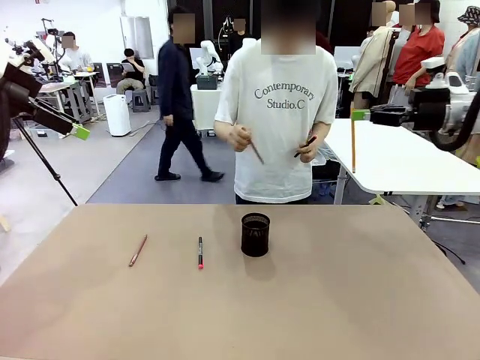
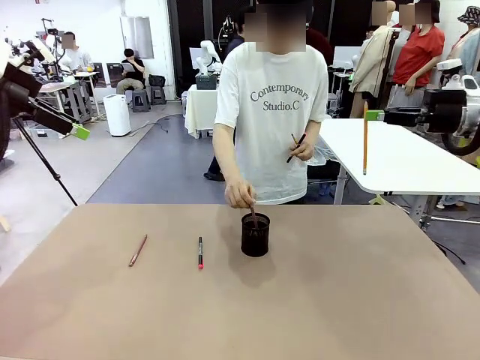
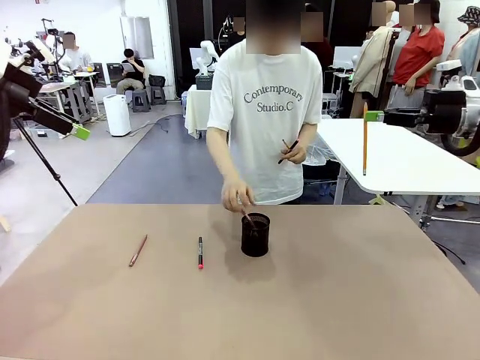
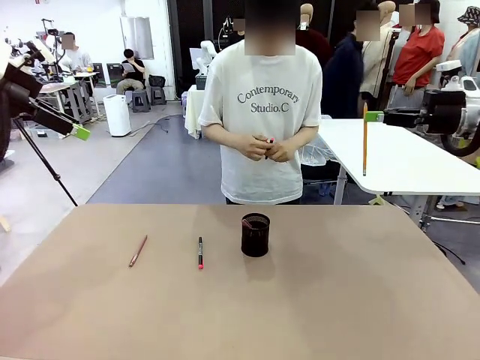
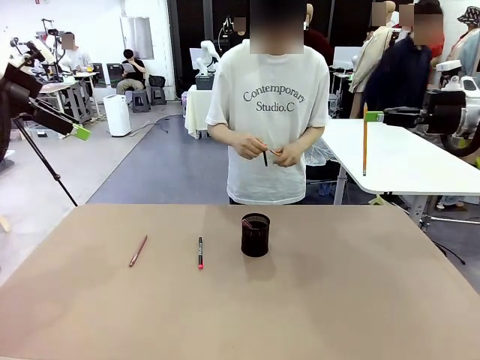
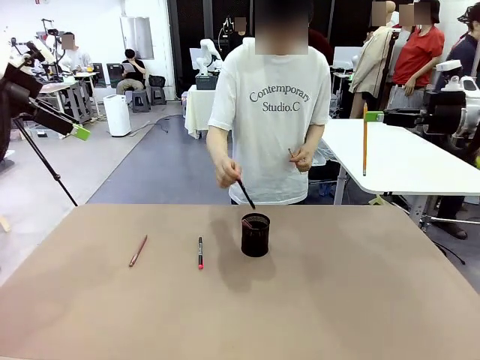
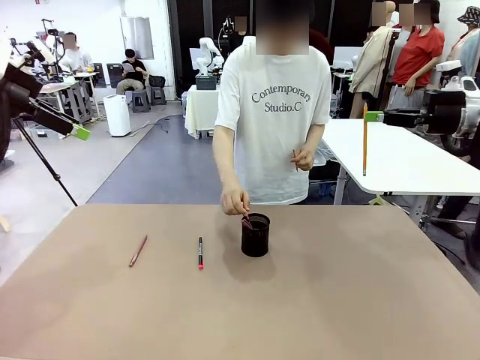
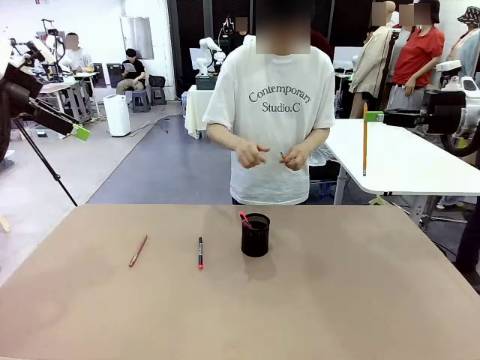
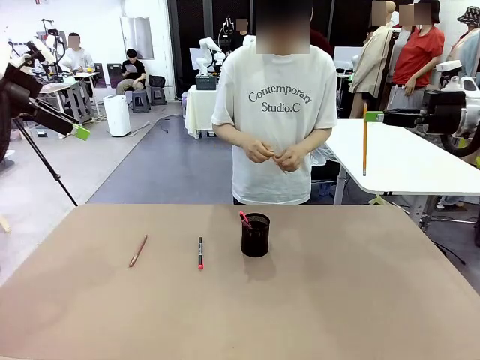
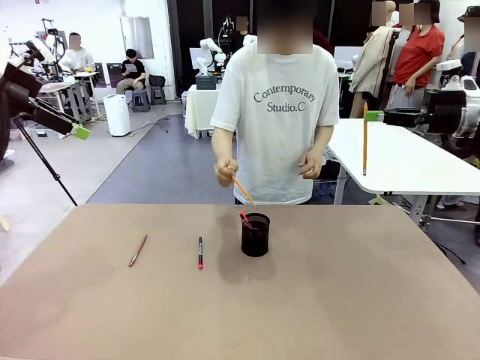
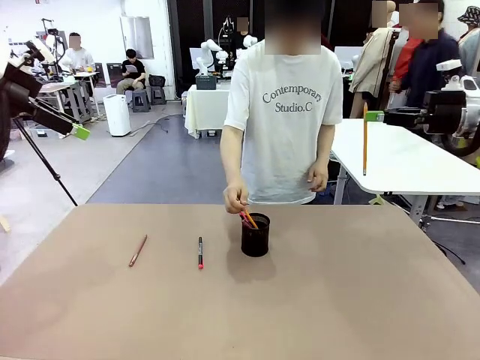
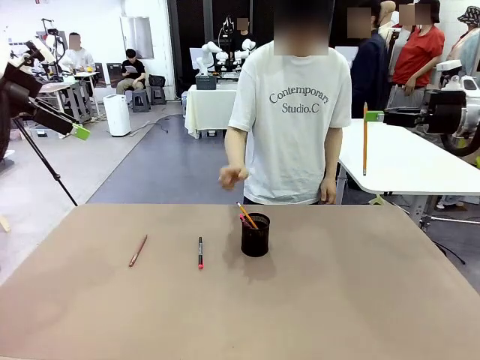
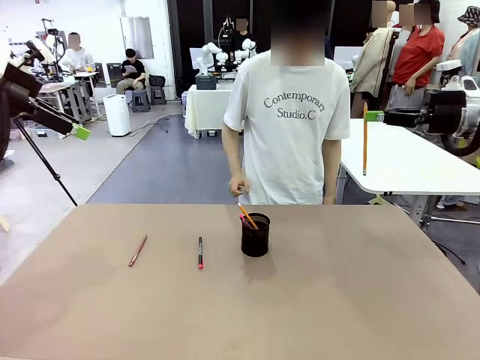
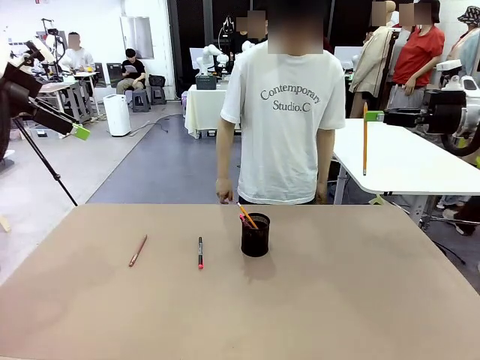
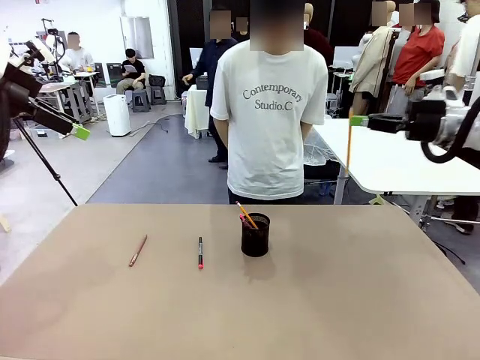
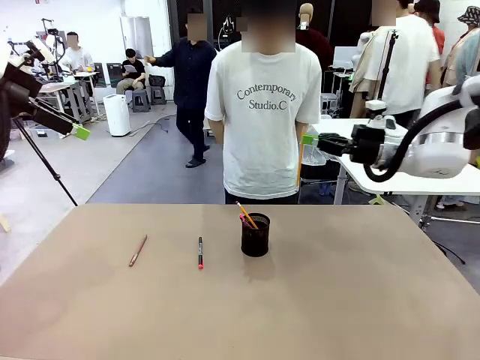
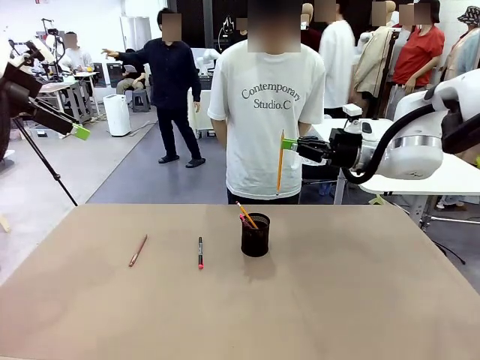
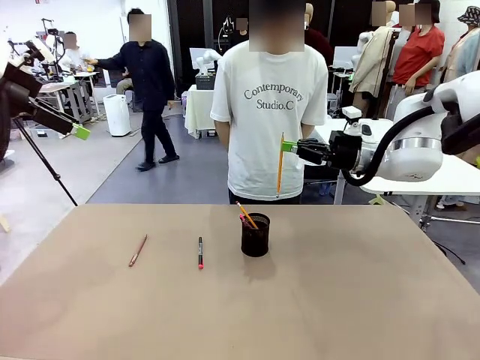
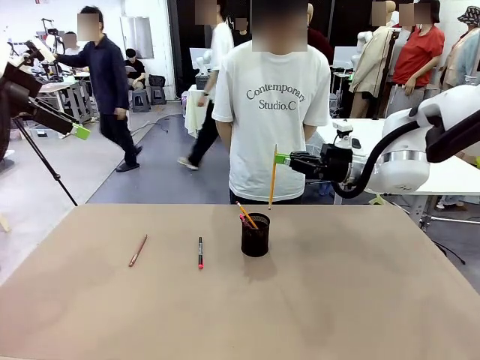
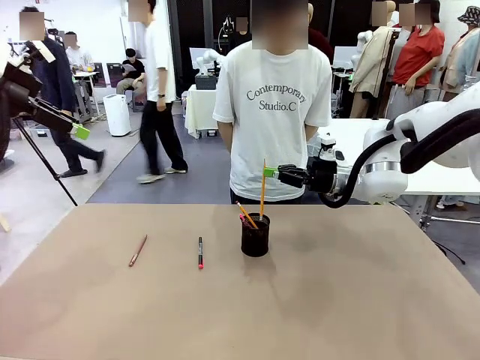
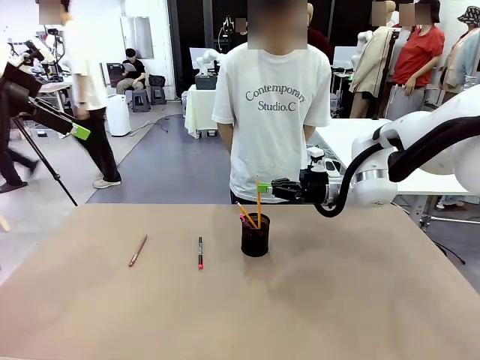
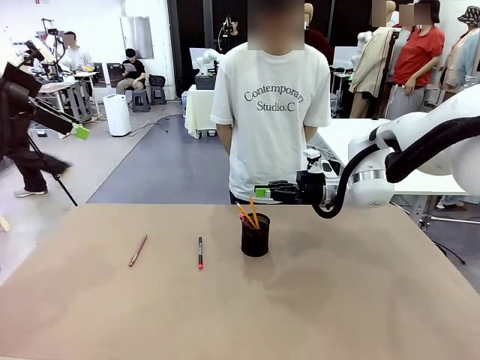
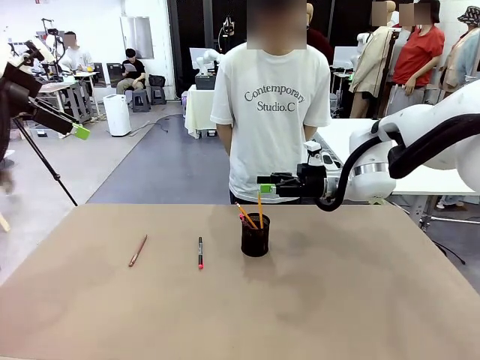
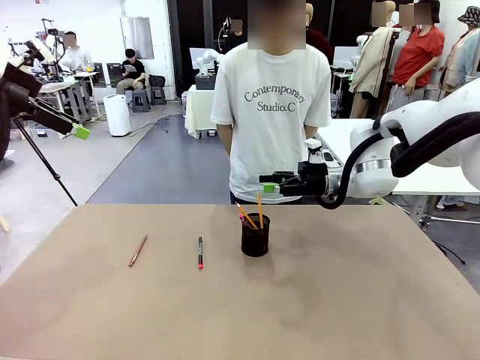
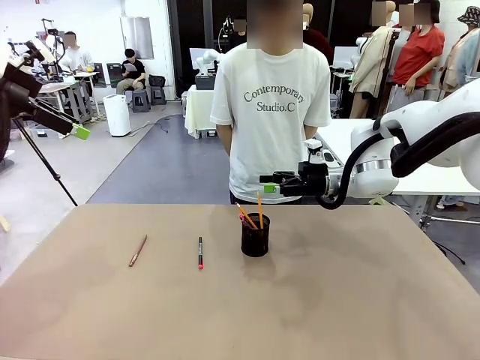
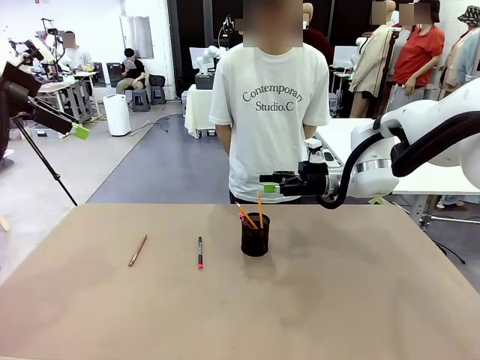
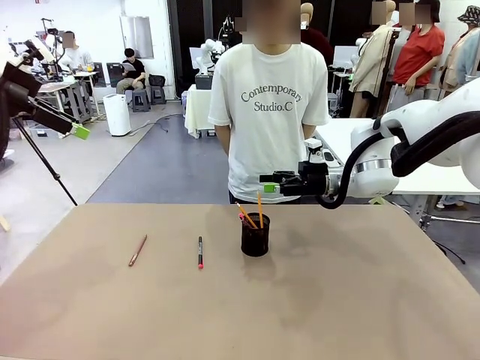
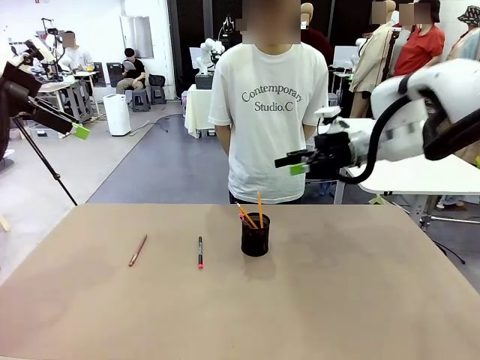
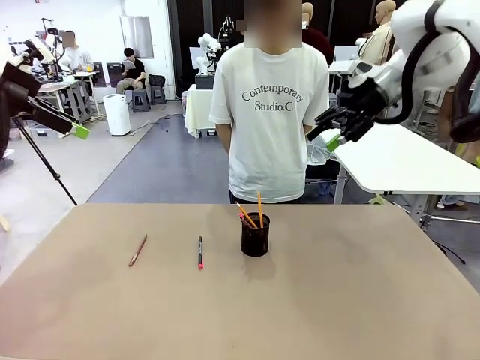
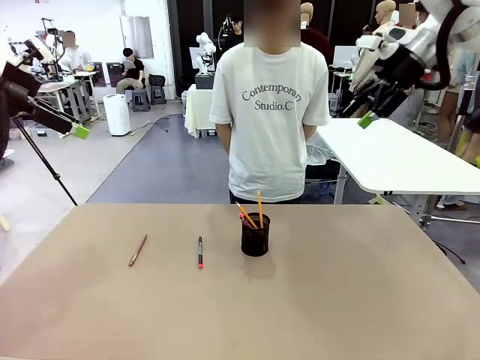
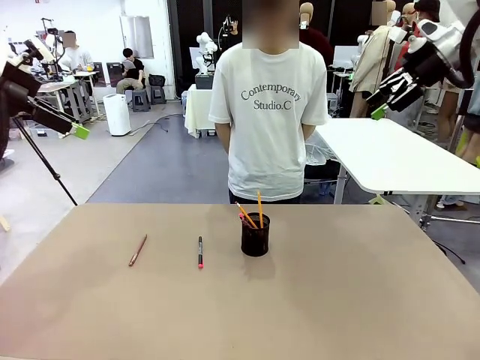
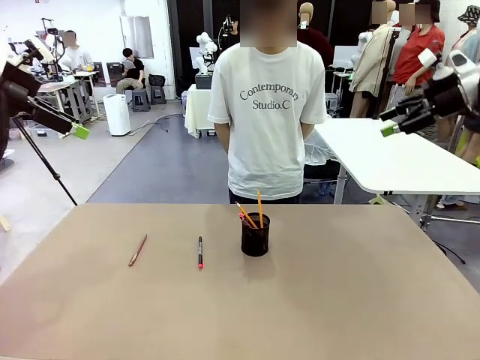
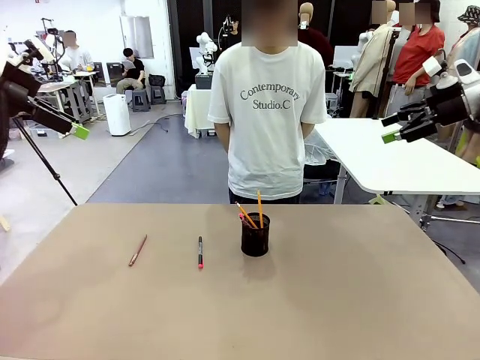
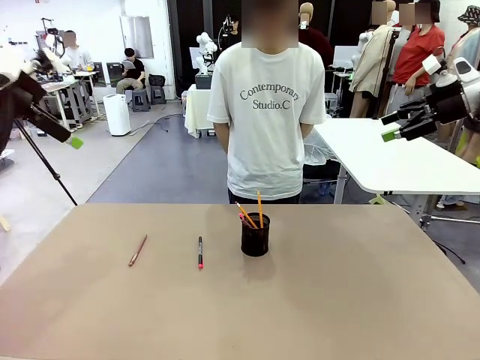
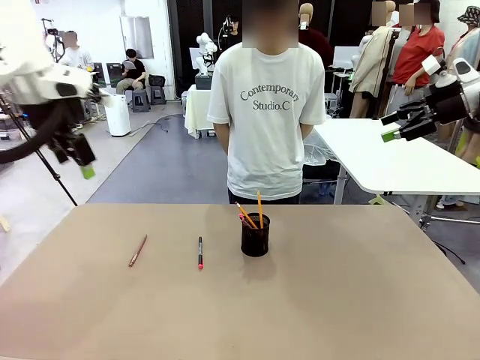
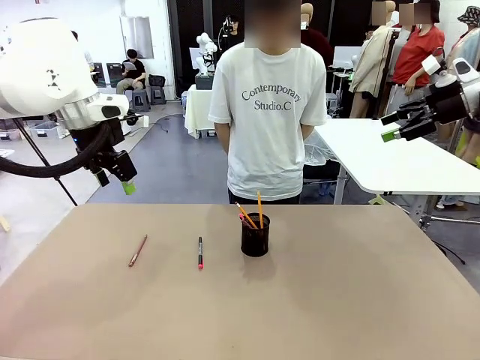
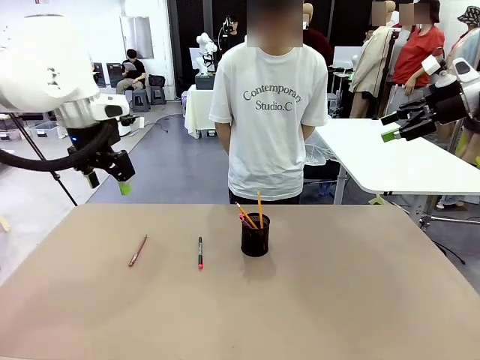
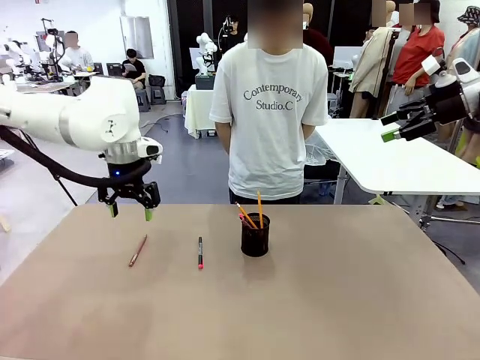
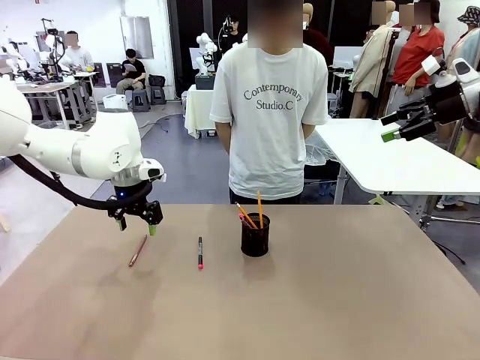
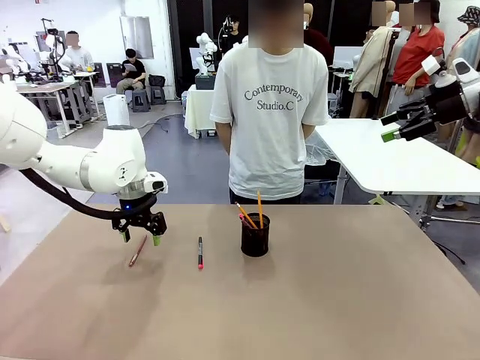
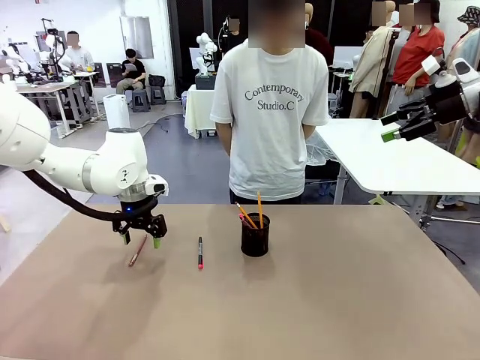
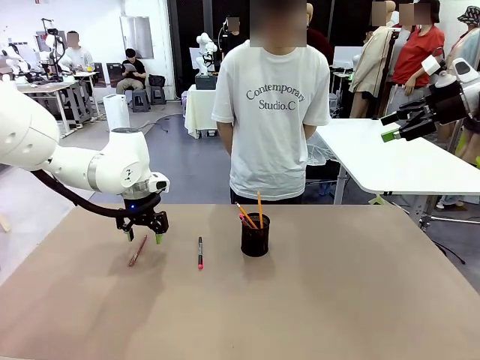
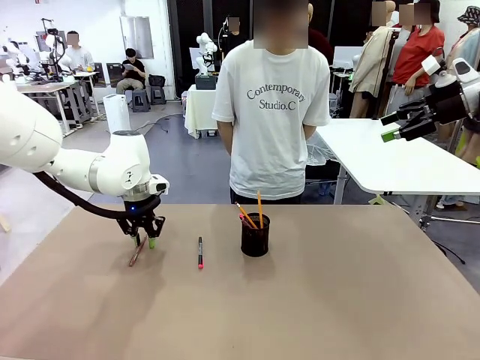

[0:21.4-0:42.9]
Task: Place the pens into the pen holder.
Robot: Pick up a writing instrument from the table and place it into the Pen holder.

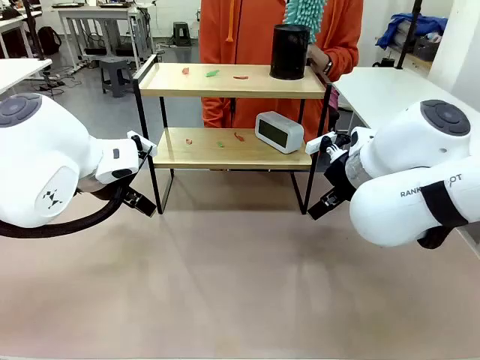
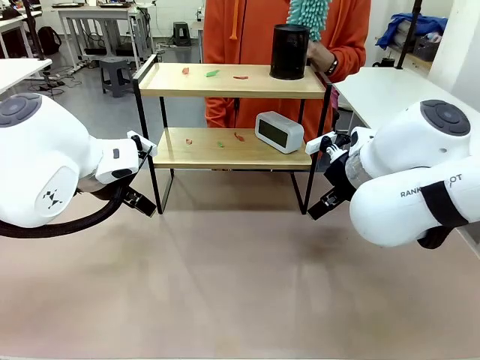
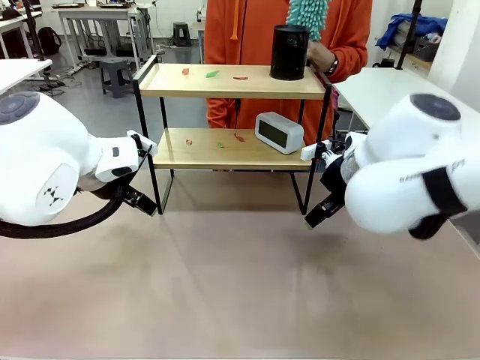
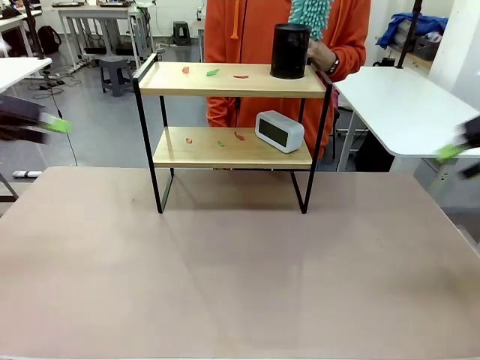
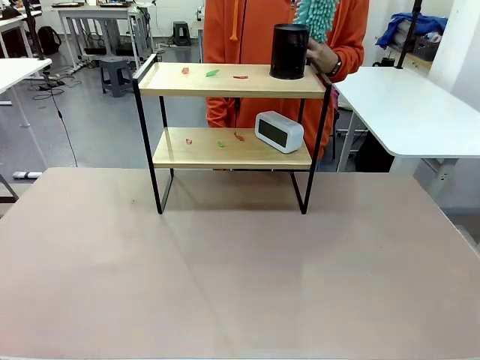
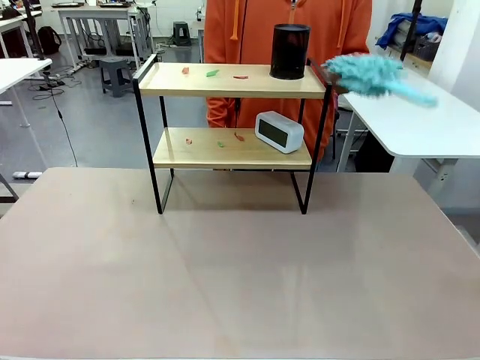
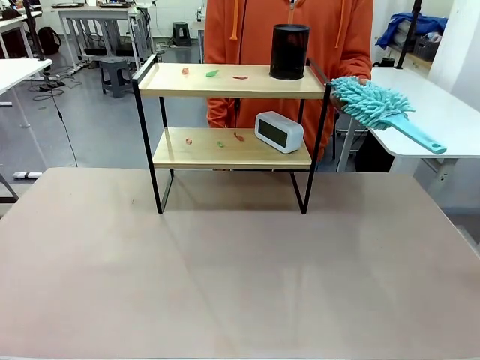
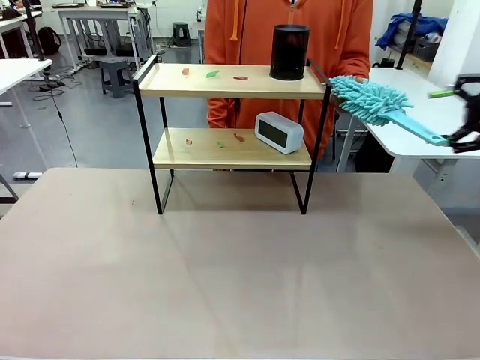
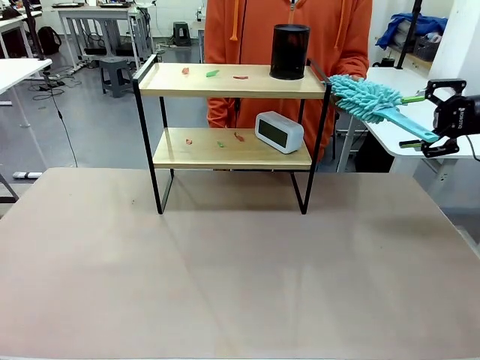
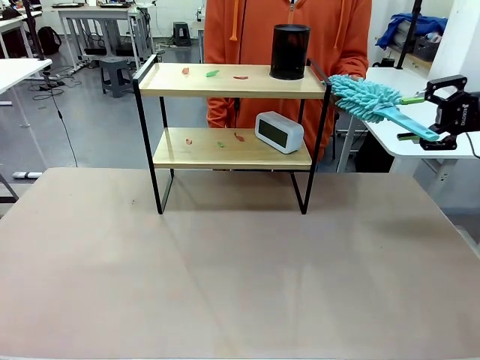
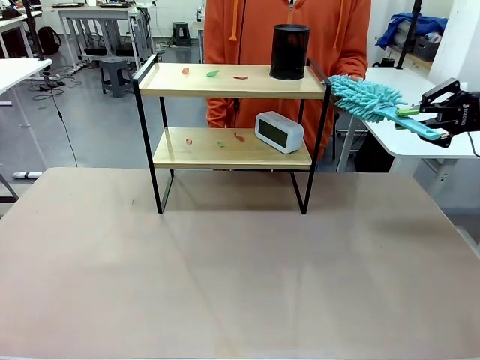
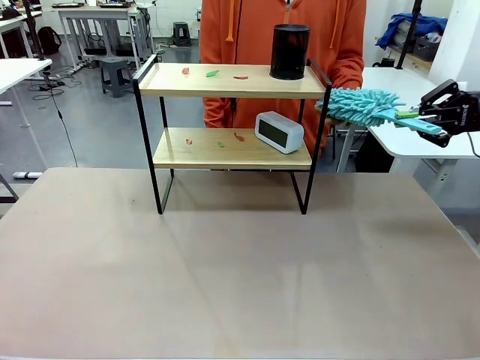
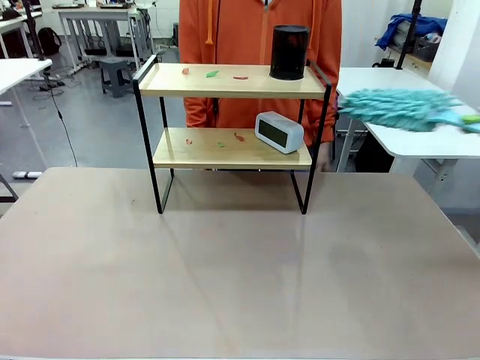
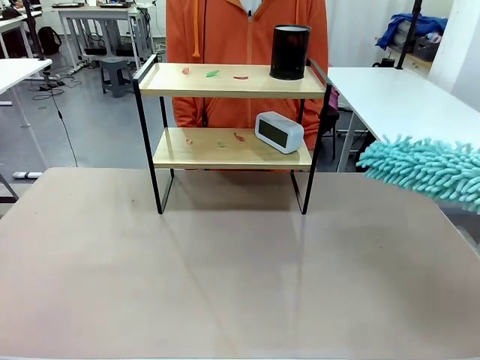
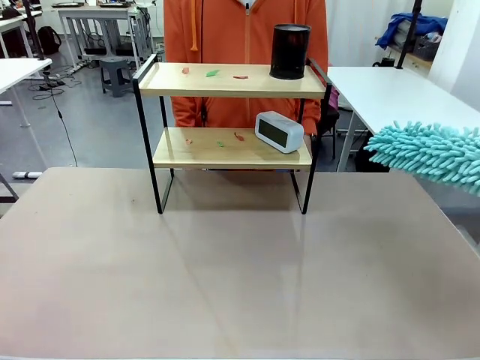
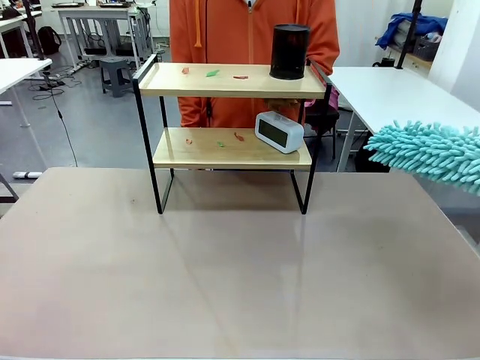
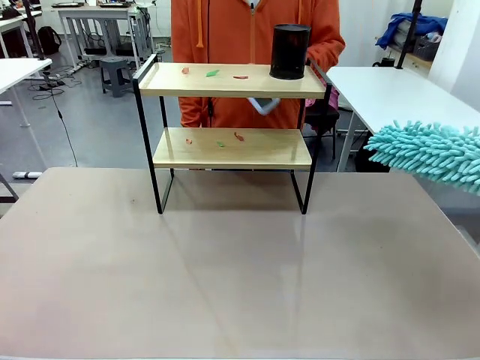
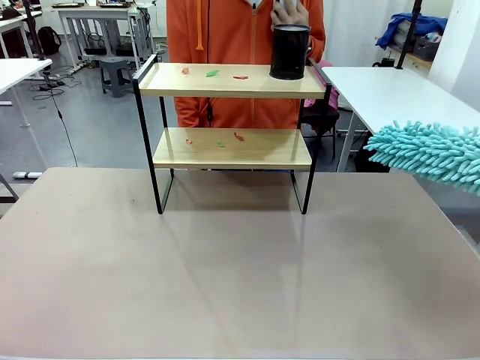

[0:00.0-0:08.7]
Task: Clean the shelf.
Robot: Pick up the Duster from the human.
Person: Hand the Duster to the robot. Lift the objects on a randomly selected tier of the Shelf.
